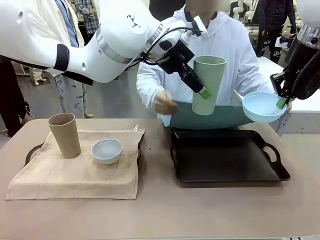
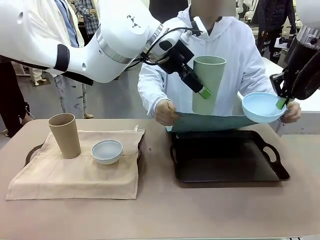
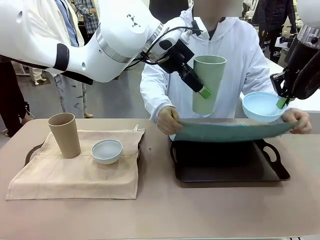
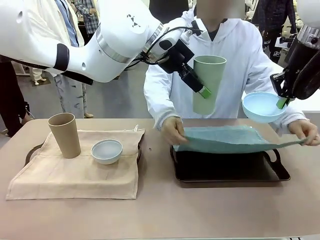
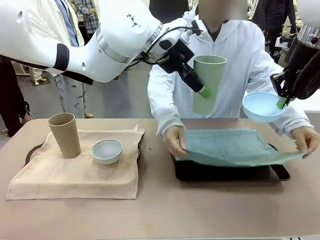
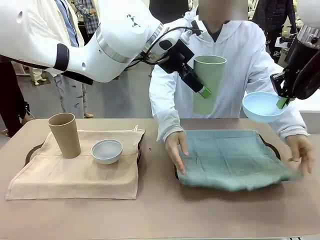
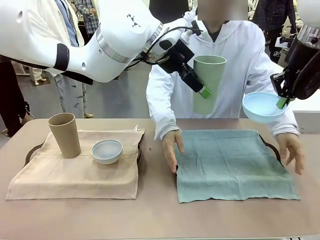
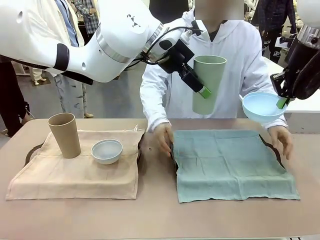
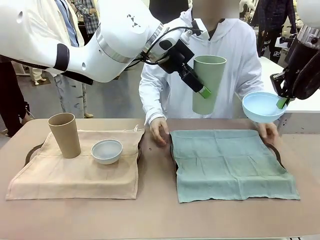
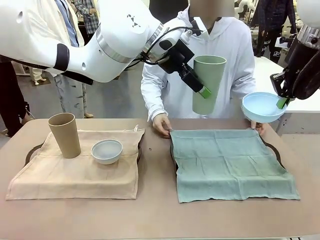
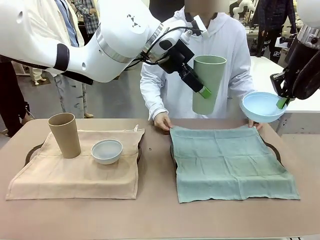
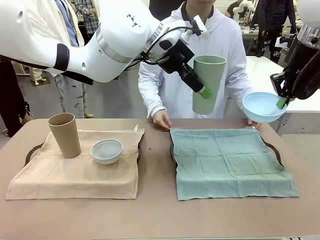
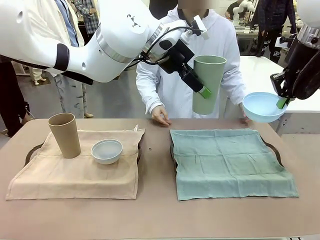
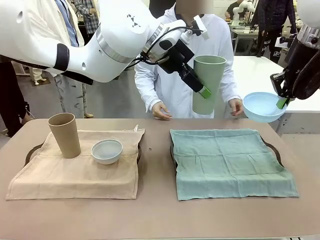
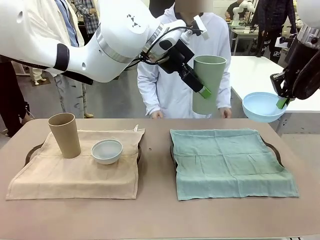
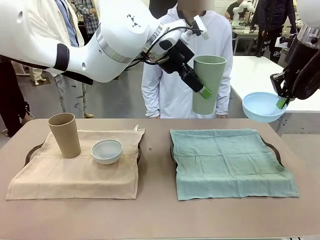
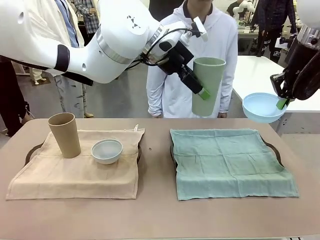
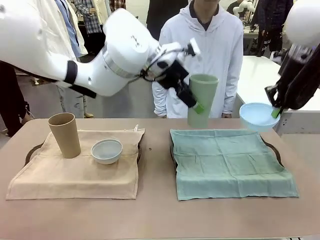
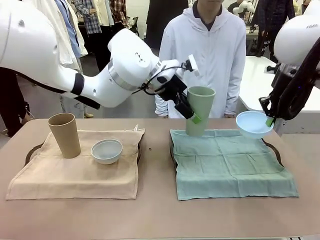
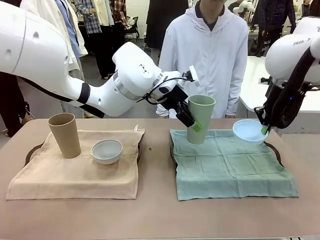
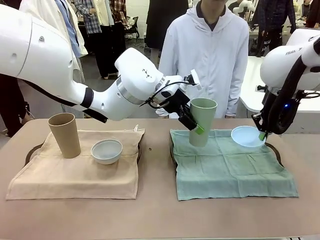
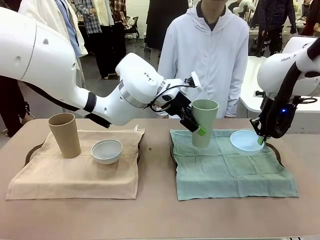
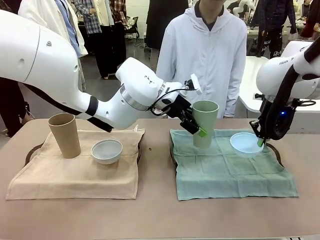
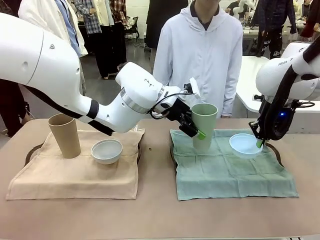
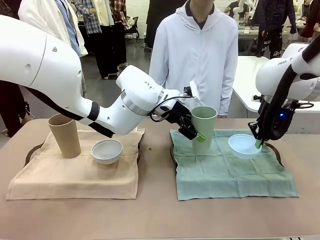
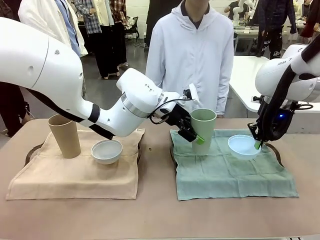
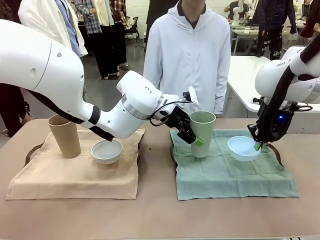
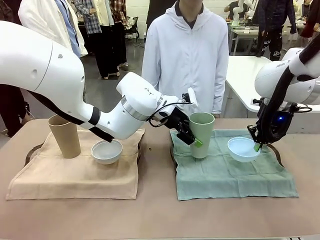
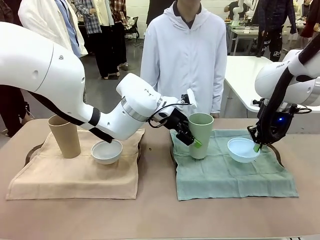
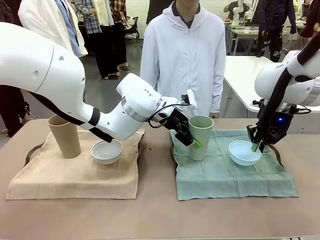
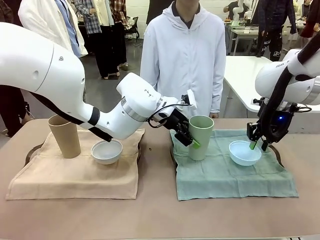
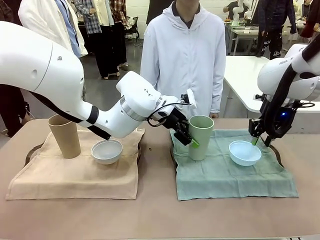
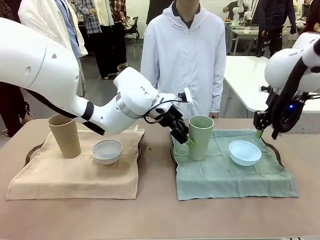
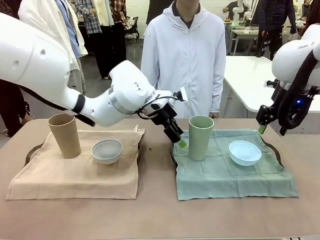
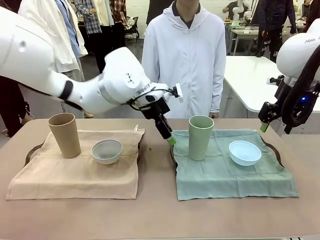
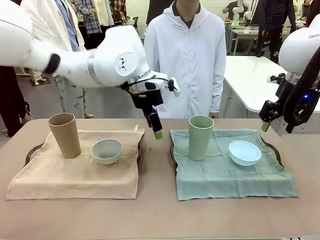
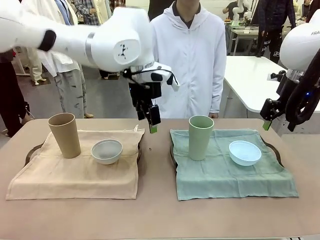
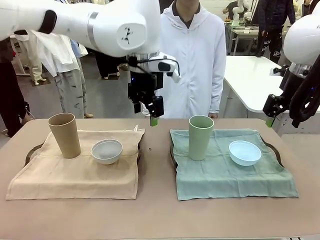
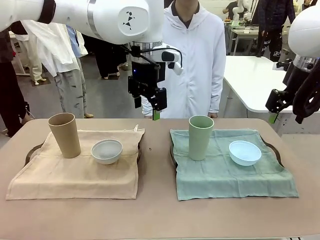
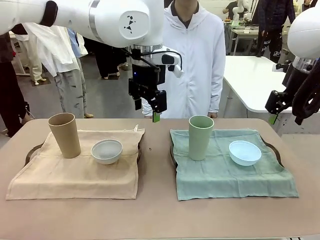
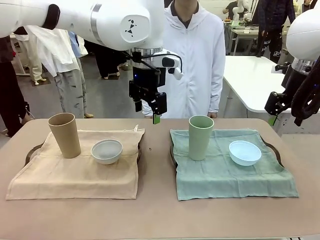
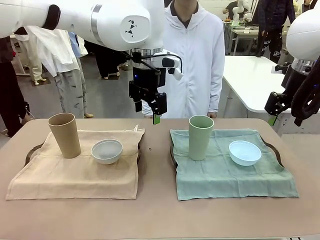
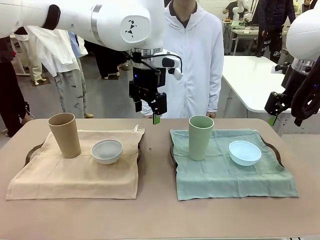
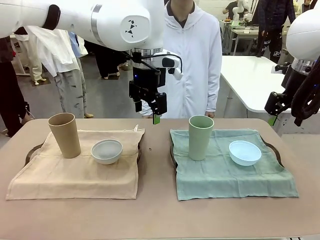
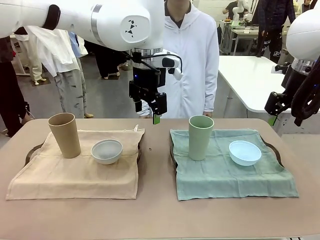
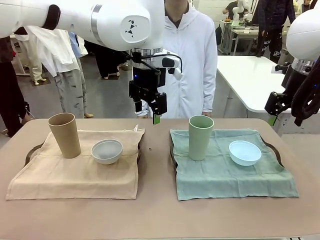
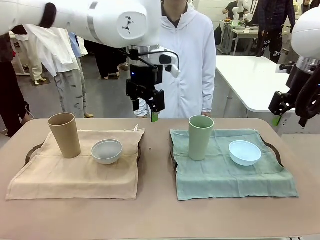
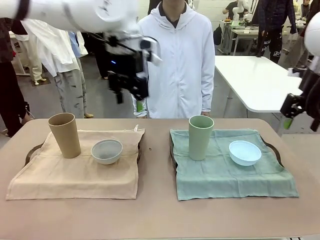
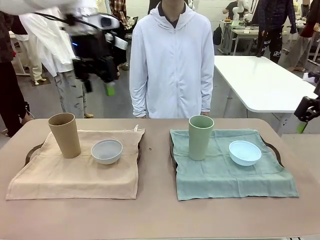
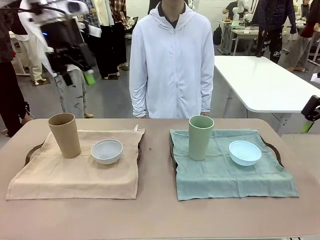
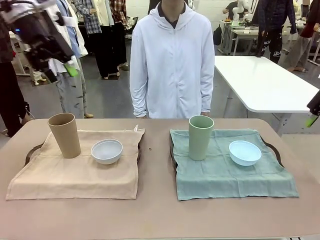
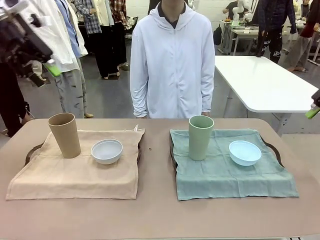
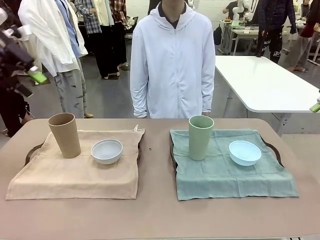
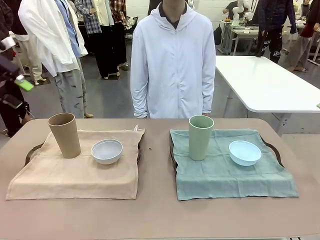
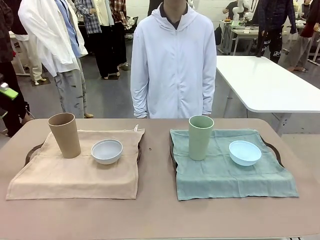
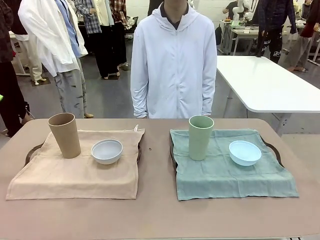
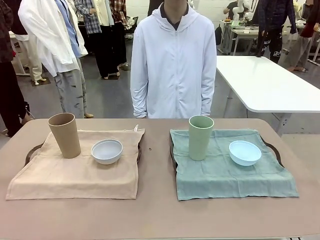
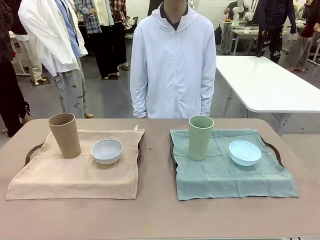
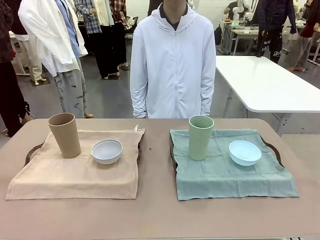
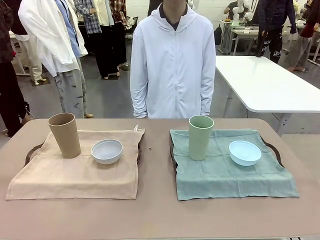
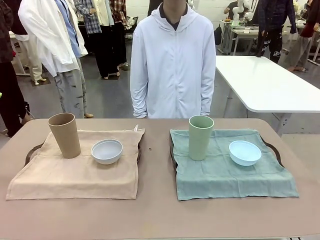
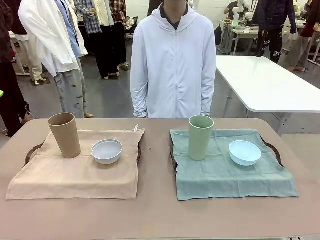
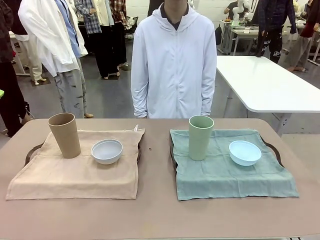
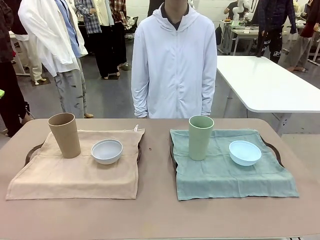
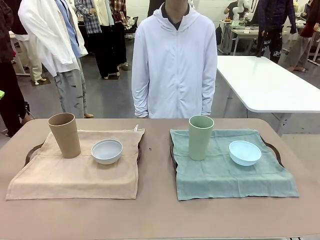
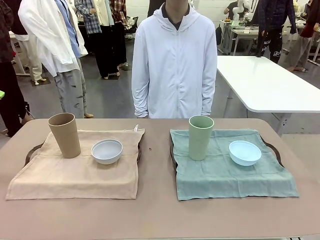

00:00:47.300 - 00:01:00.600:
Robot: Place the Picnic Bowl and Reusable plastic cup back onto the Handle tray in front of the human's position.
Person: When the robot lifts the bowl and the cup, the human unfolds the napkin and lays the napkin flat on the tray.

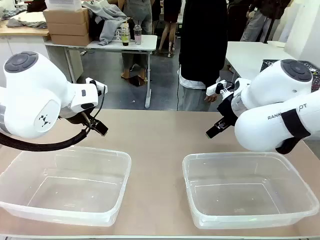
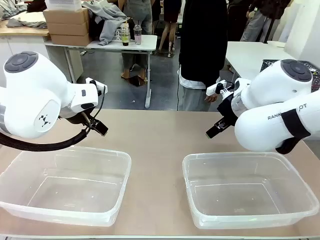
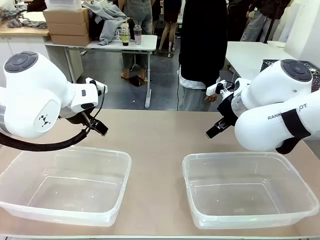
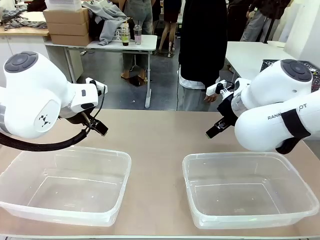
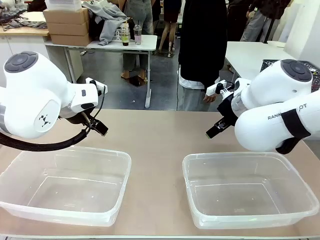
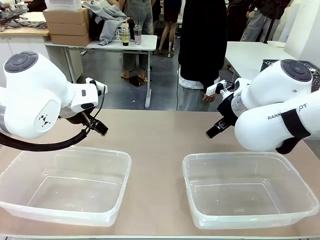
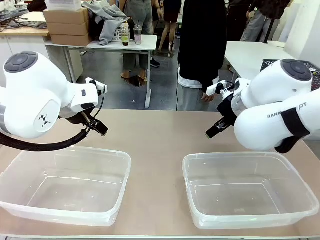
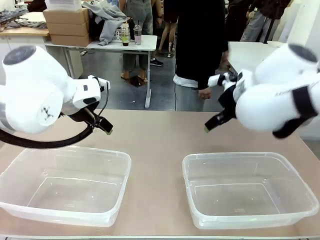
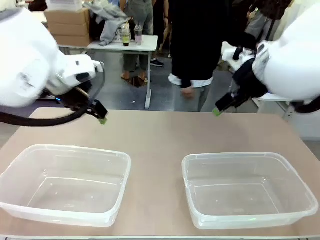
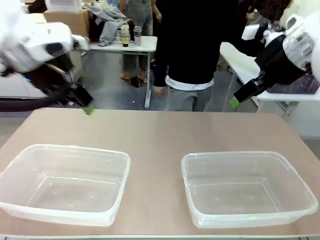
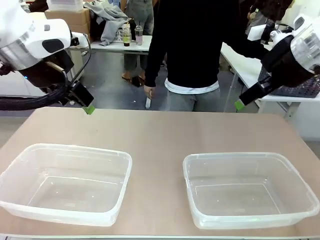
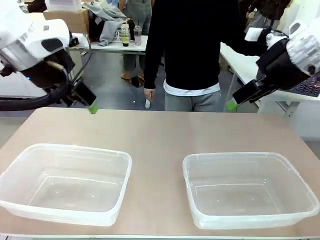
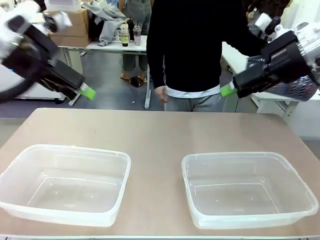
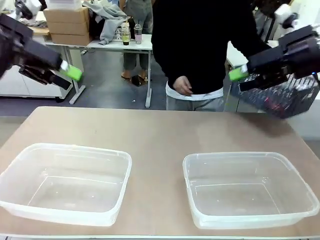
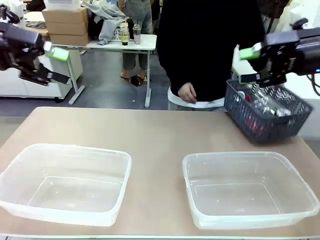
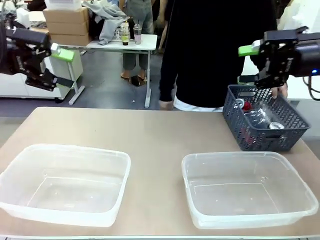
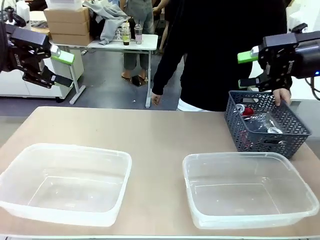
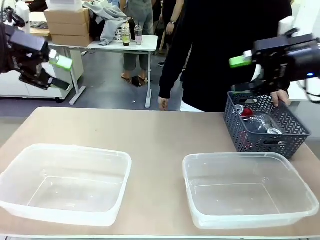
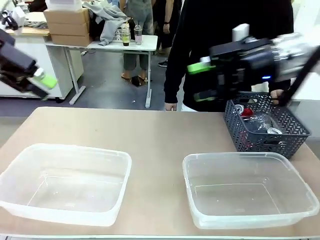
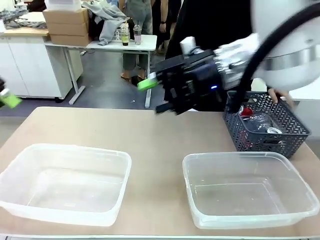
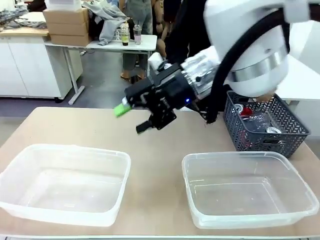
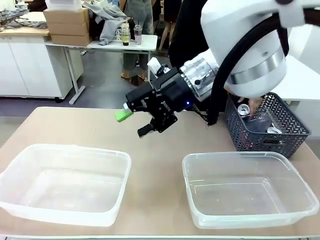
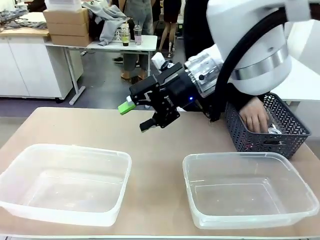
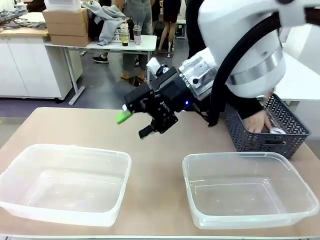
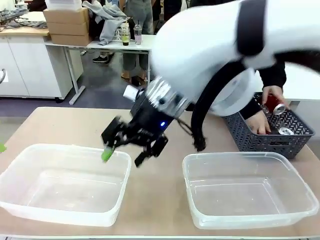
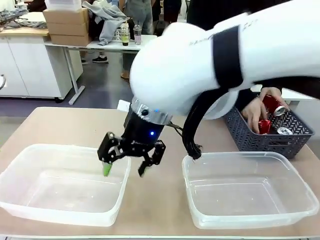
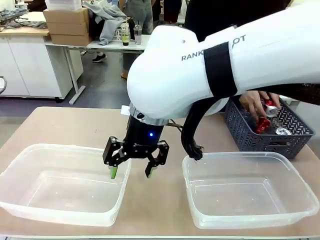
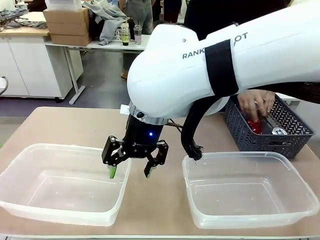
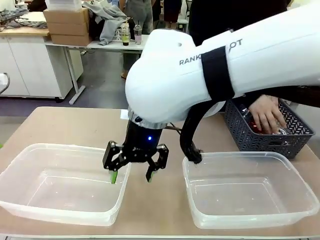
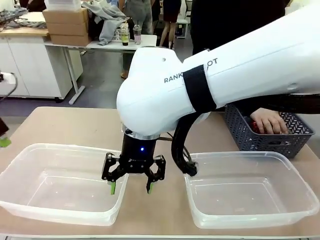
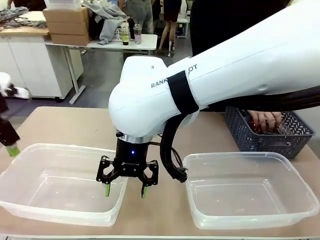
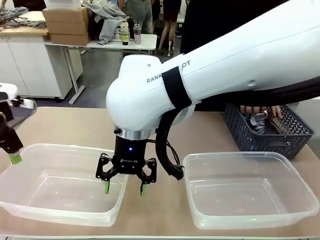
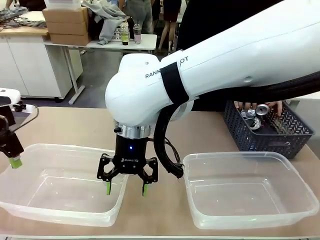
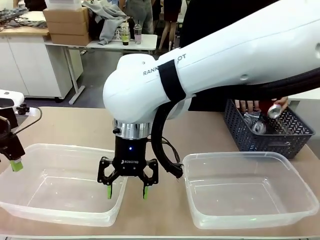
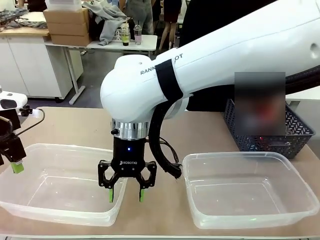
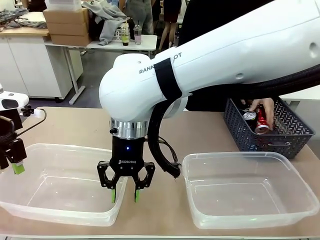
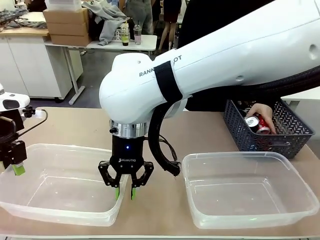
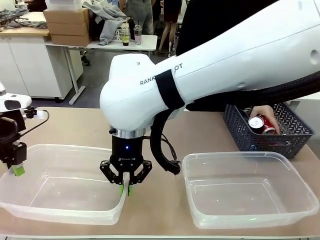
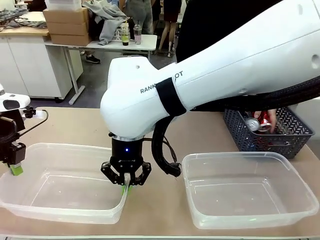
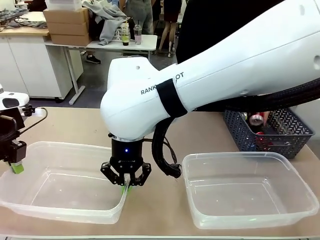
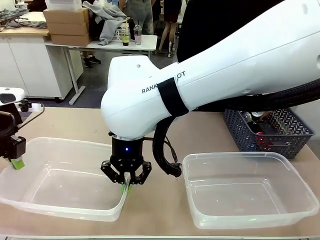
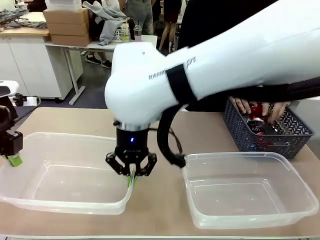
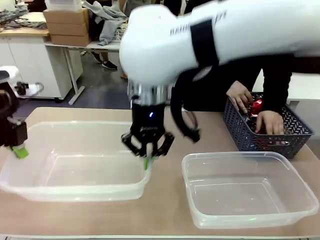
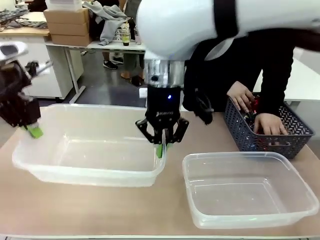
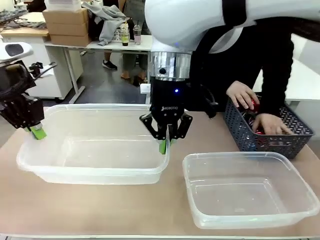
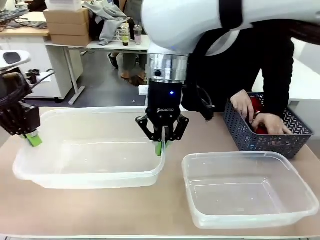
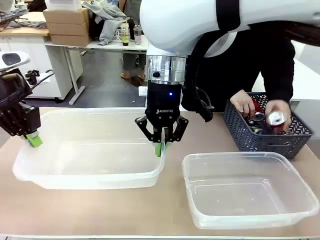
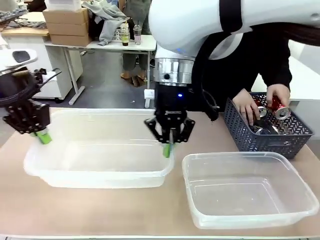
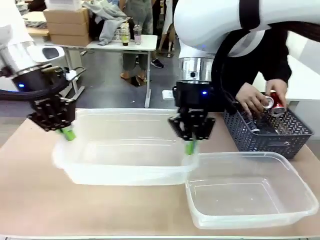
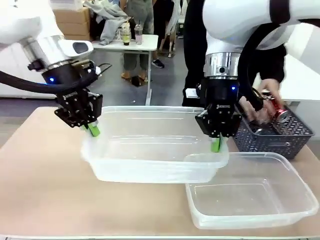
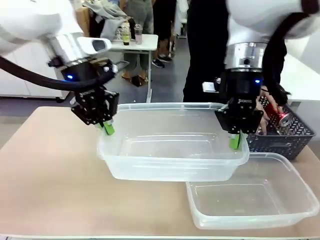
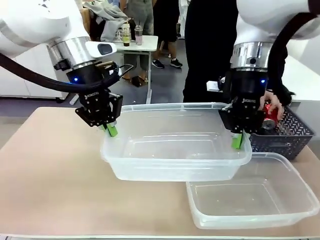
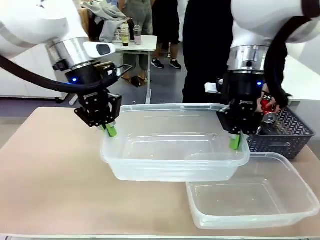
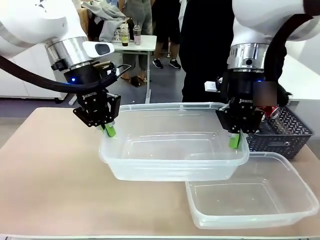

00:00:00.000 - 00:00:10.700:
Robot: Pick up the Organizing box on the left side of the table and lift it.
Person: Pick up the storage basket and place it on the left side of the robot table. Pick up can-shaped waste one by one and place it into the organizing box lifted by the robot.
